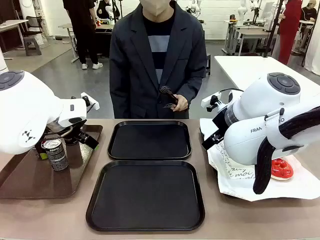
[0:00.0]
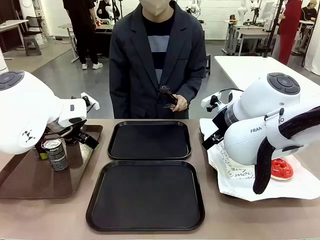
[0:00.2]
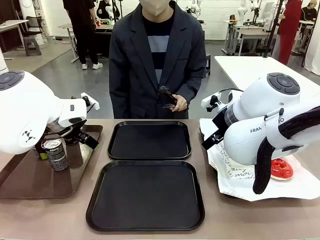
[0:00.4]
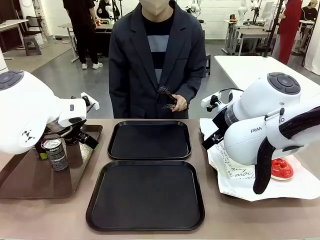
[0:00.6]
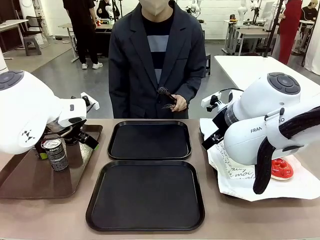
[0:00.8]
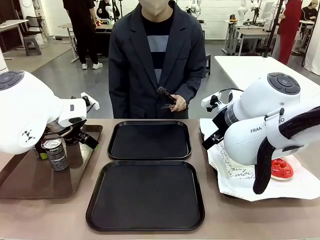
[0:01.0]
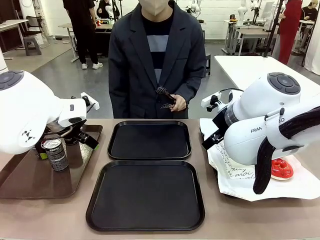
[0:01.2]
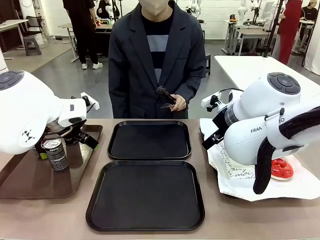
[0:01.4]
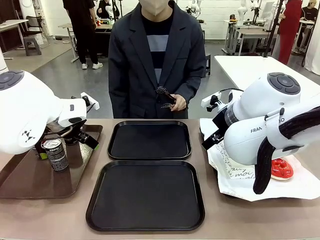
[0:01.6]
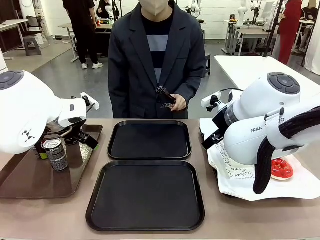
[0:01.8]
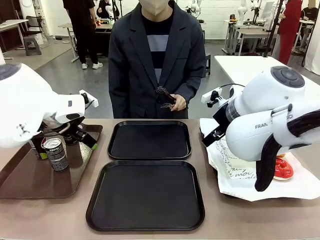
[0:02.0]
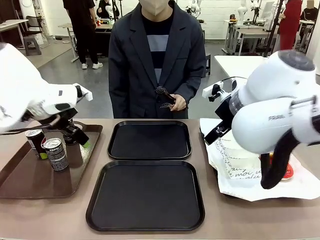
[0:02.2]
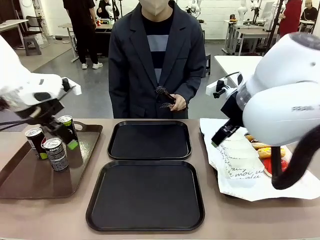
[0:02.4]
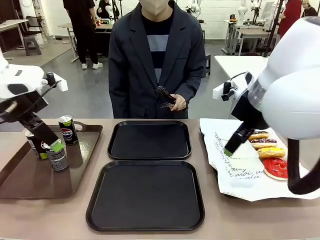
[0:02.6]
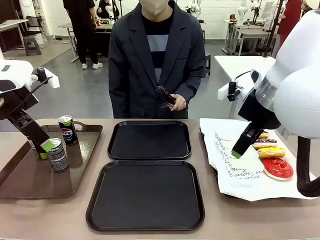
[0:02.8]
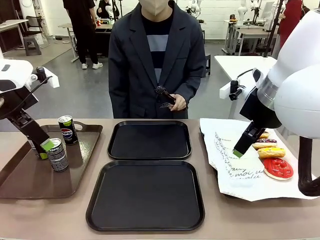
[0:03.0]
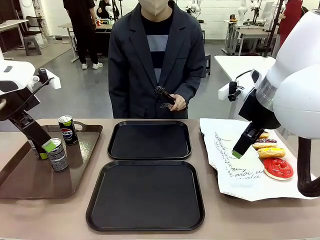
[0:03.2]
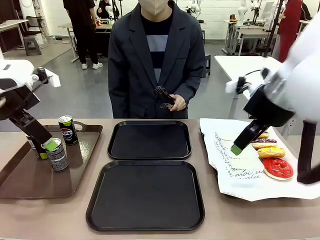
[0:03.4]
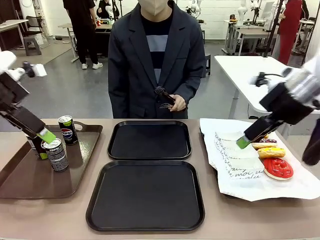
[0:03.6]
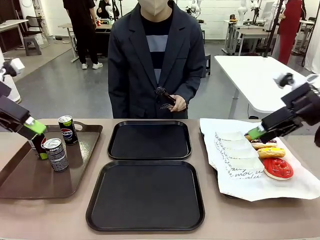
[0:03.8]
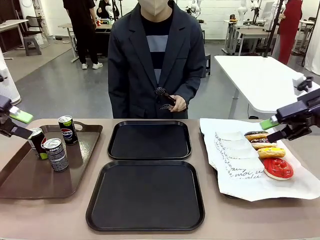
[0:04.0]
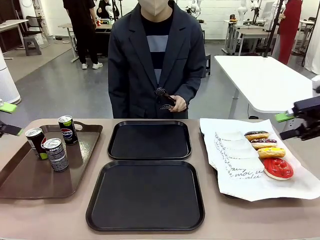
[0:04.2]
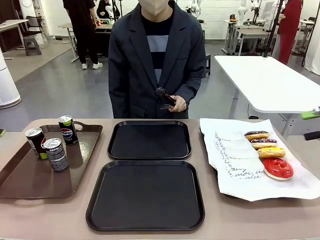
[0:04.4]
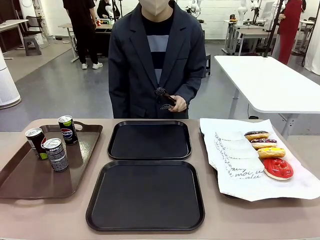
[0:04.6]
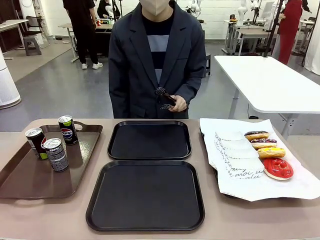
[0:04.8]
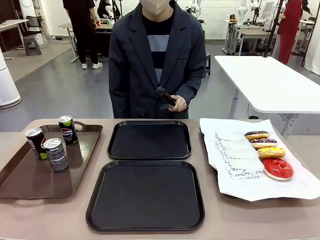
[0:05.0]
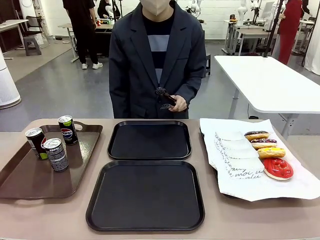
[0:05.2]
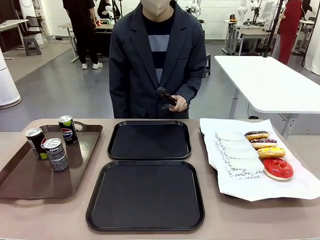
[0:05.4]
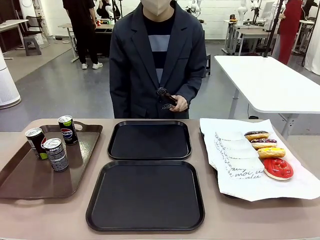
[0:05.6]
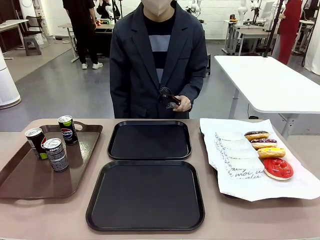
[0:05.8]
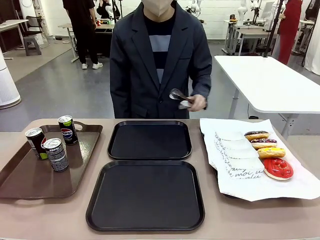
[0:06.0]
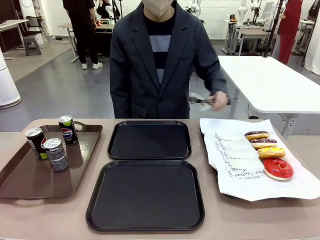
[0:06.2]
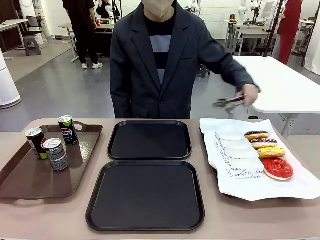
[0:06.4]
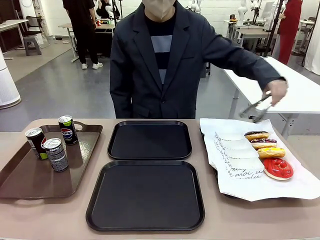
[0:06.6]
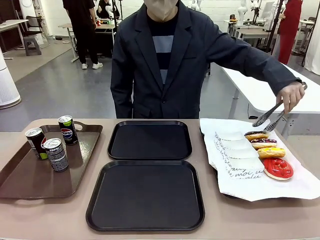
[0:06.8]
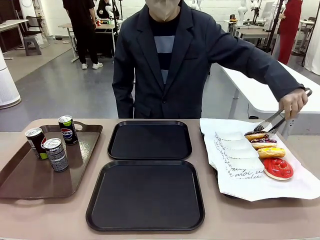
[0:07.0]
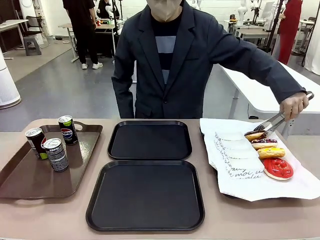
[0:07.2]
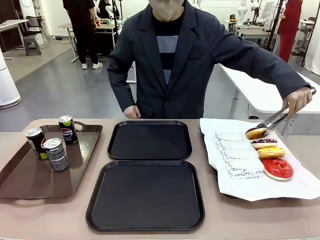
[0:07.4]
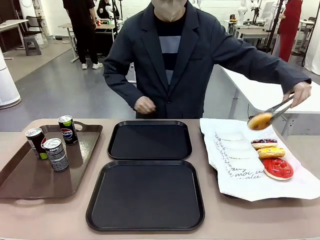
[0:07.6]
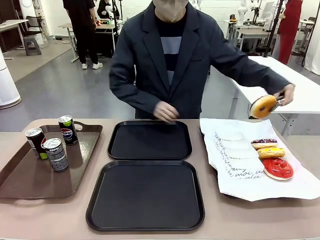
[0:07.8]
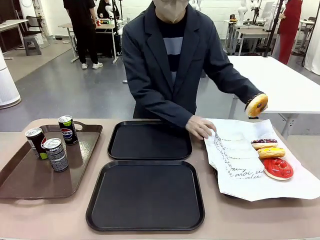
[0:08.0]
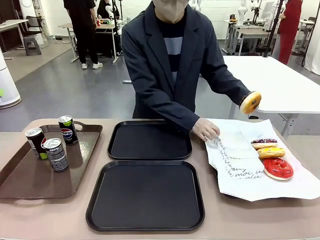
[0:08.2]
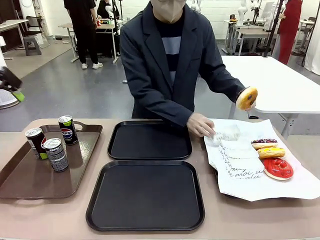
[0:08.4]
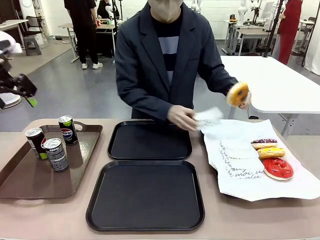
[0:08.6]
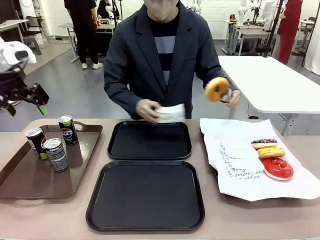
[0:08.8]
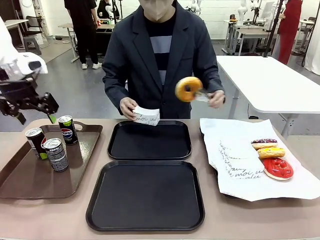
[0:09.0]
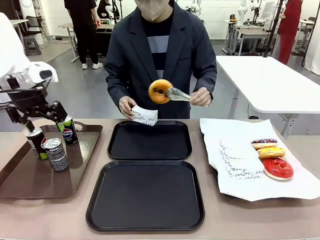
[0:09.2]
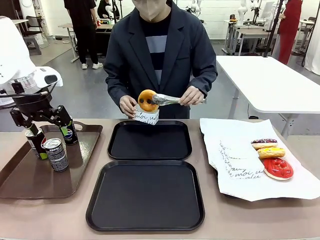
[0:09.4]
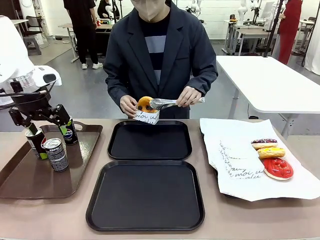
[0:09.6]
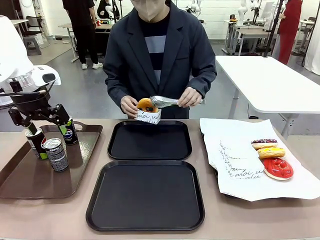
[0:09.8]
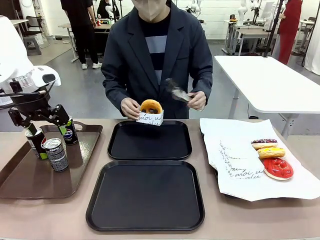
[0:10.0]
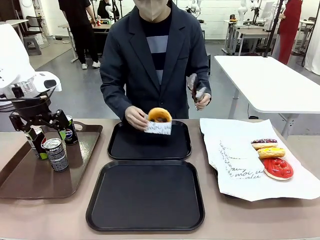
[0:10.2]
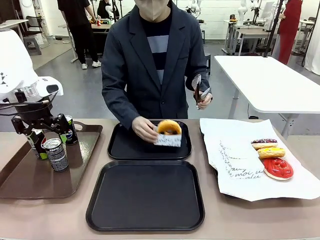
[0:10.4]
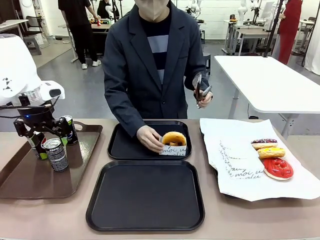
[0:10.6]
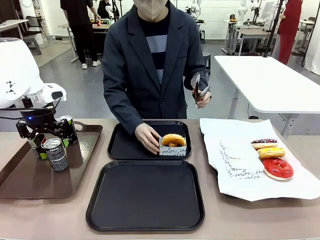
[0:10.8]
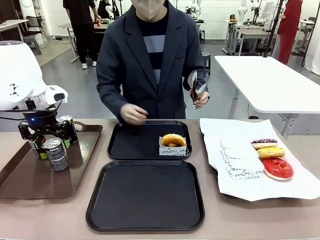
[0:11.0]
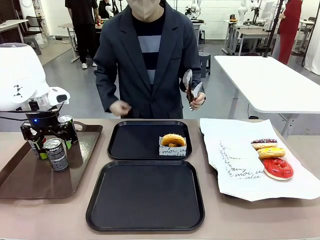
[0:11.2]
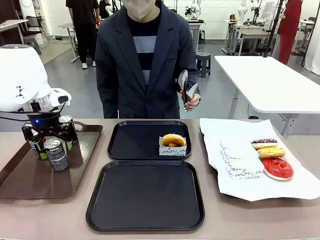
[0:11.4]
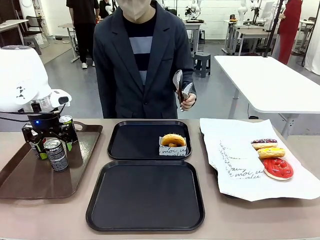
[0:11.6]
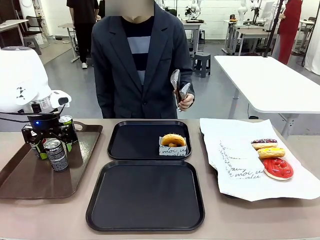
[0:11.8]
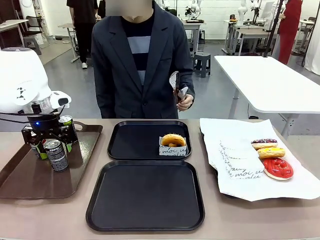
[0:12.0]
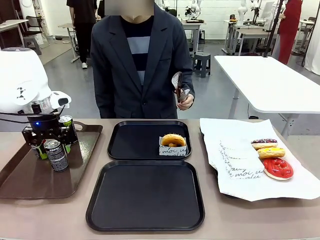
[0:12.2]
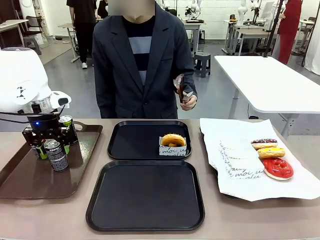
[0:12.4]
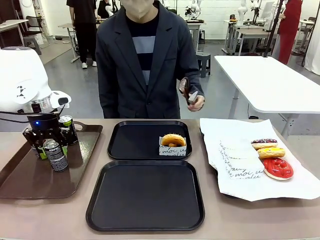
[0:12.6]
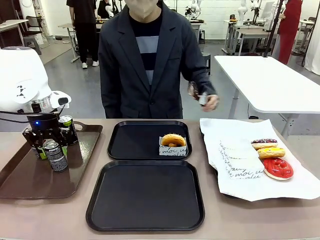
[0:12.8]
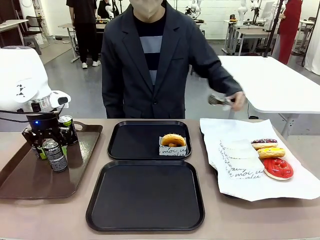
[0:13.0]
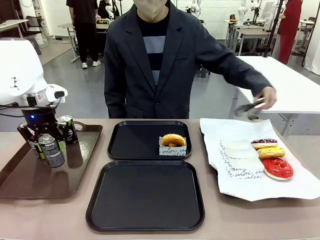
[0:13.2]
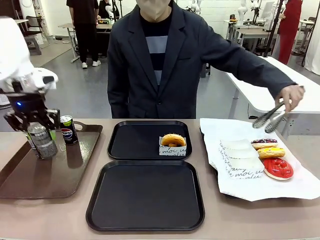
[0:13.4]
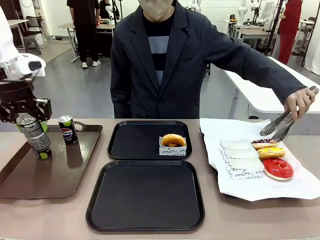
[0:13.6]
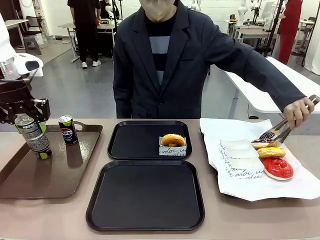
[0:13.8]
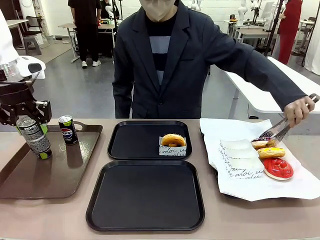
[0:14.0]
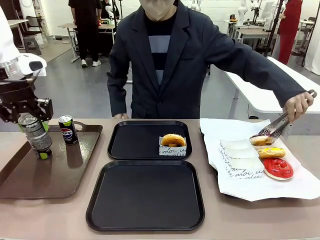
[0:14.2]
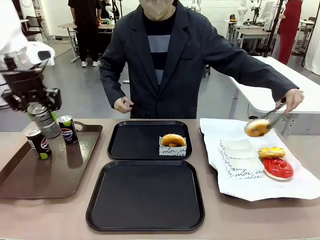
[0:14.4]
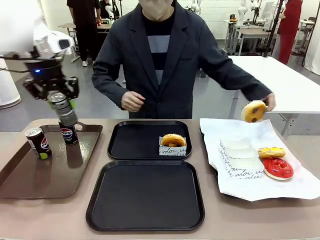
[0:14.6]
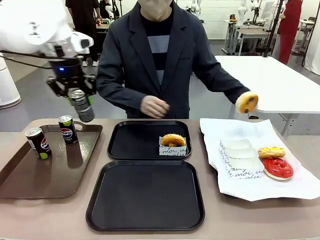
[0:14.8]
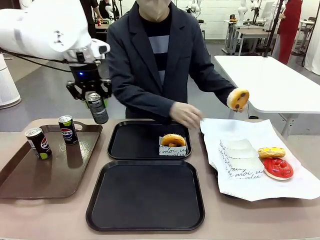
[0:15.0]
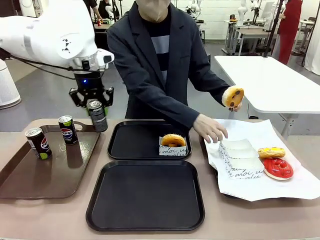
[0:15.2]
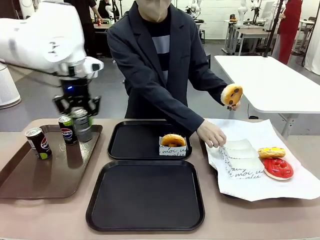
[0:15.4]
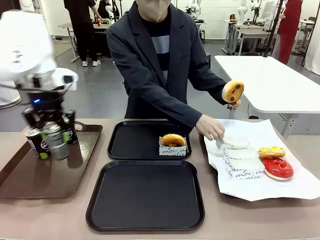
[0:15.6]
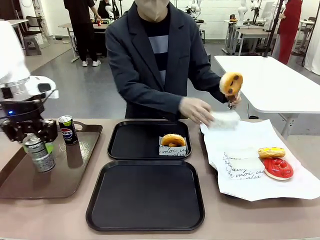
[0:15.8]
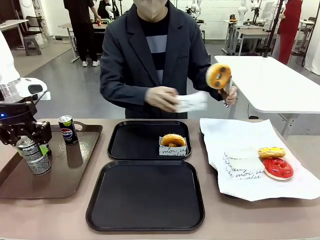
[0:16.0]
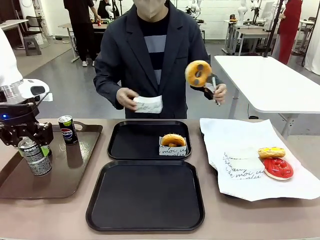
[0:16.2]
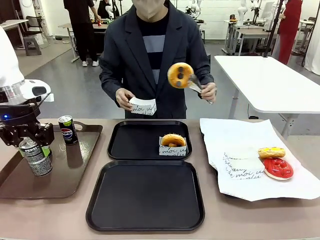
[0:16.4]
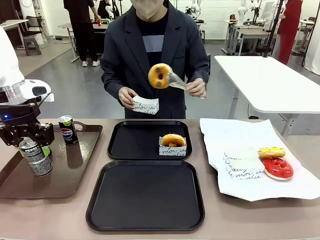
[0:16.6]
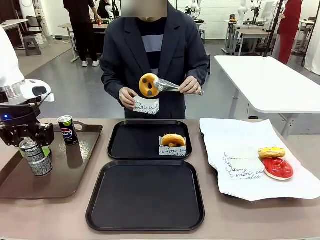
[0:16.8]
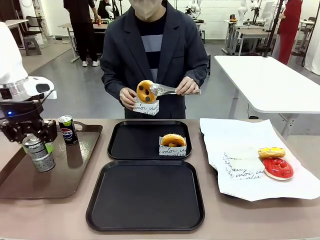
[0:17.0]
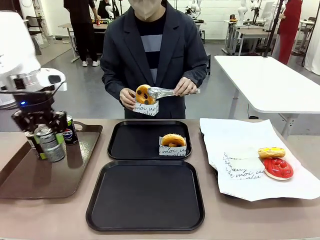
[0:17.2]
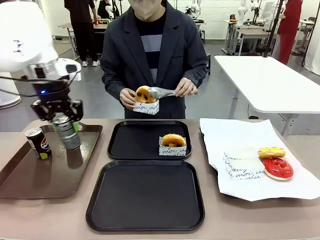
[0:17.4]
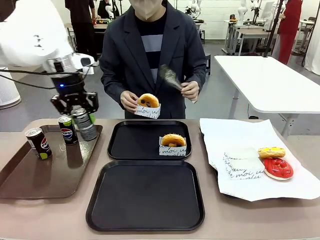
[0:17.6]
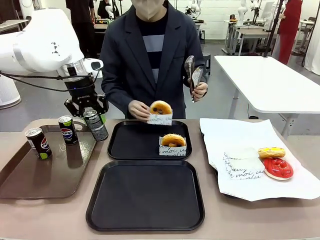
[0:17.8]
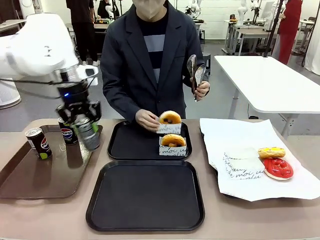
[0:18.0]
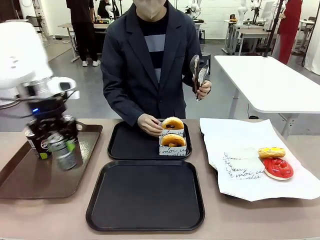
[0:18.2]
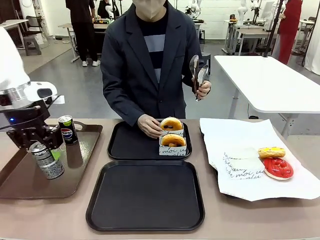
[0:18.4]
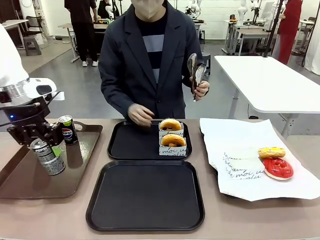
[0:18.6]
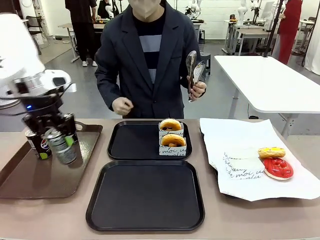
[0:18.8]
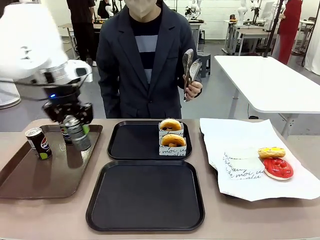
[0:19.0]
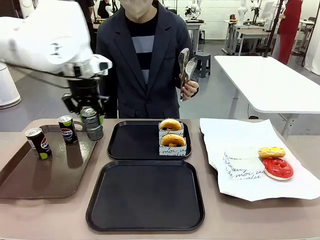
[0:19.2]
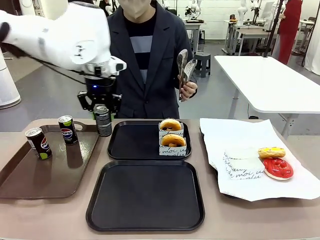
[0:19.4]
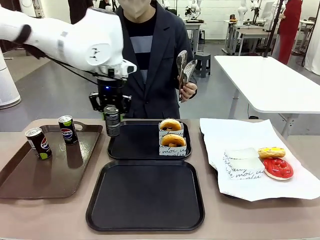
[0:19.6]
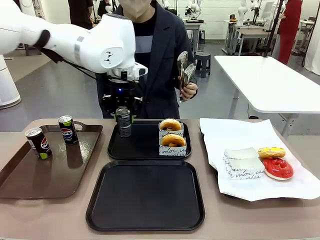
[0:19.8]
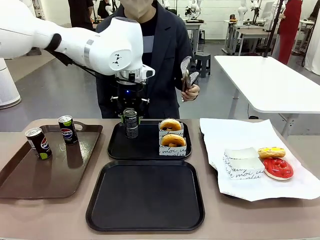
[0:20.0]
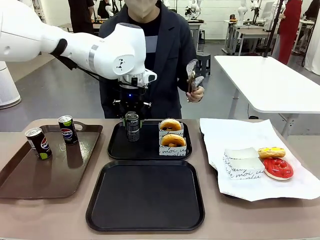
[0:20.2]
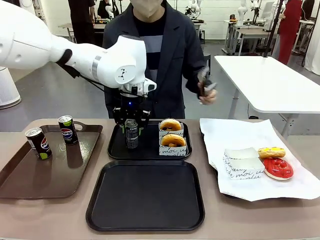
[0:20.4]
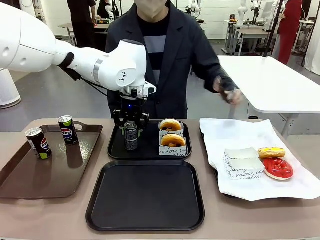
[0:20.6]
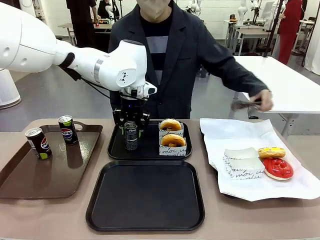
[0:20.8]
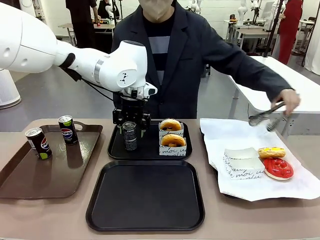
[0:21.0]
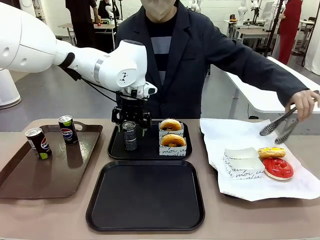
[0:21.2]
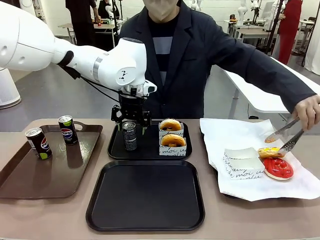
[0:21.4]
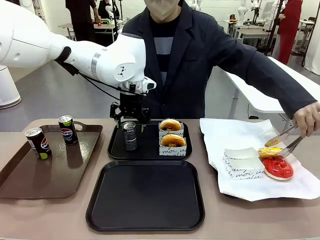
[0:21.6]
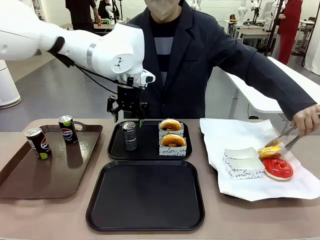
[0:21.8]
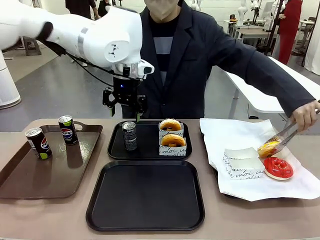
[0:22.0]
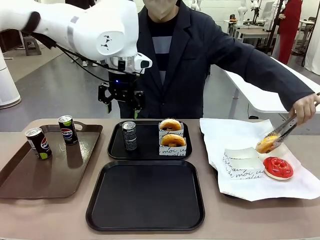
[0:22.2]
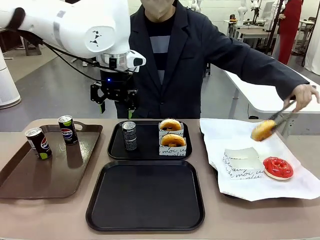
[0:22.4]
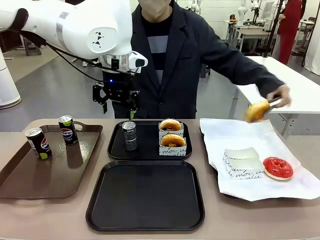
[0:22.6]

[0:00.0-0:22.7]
Task: Set up donuts and drinks on trays.
Robot: Pick up one Pepsi coke and place it on the Flat Tray.
Person: Pick up one donut with tongs, place it in the donut tray, and then place the donut tray on the flat tray.
